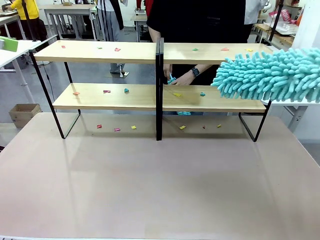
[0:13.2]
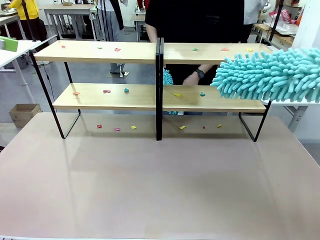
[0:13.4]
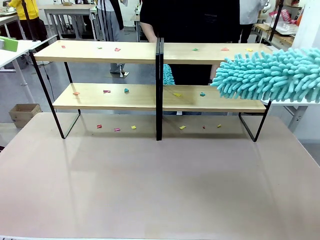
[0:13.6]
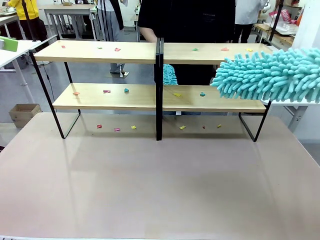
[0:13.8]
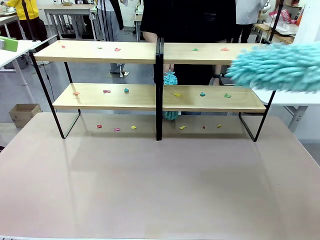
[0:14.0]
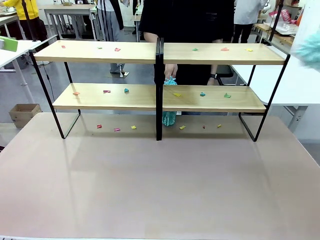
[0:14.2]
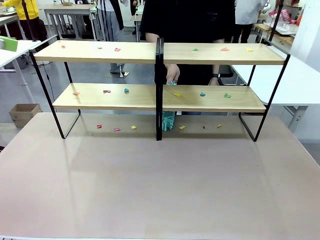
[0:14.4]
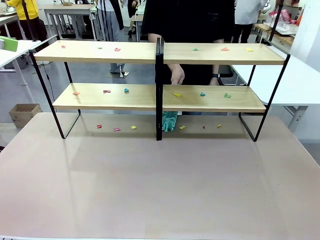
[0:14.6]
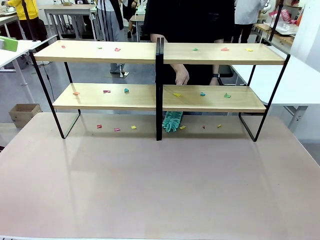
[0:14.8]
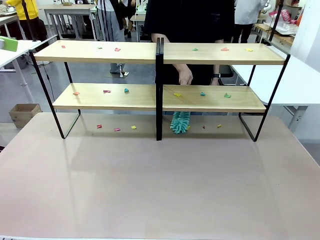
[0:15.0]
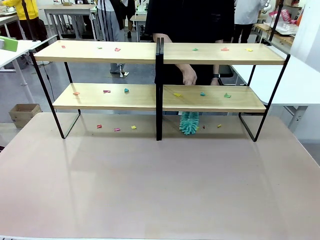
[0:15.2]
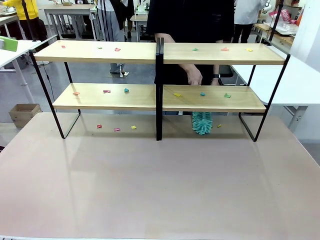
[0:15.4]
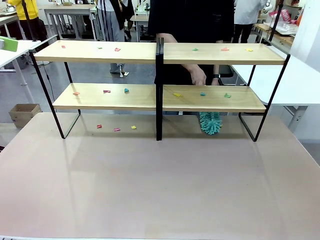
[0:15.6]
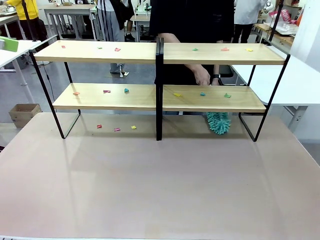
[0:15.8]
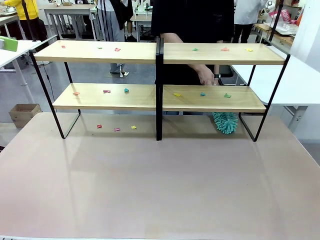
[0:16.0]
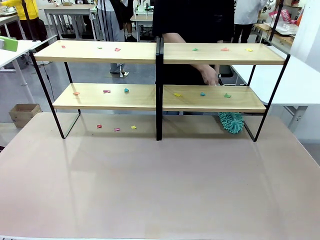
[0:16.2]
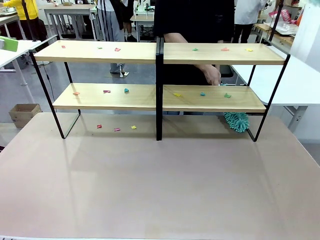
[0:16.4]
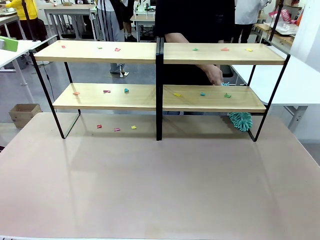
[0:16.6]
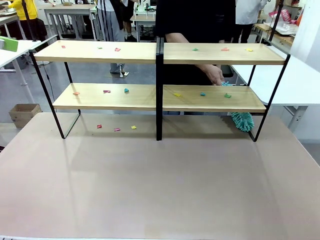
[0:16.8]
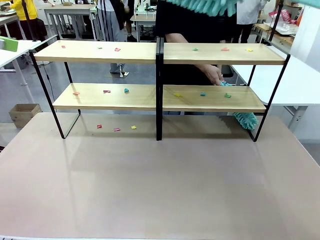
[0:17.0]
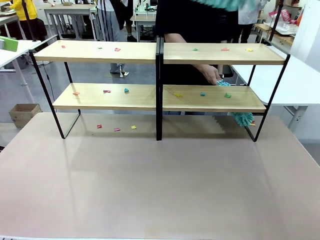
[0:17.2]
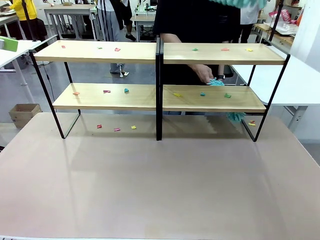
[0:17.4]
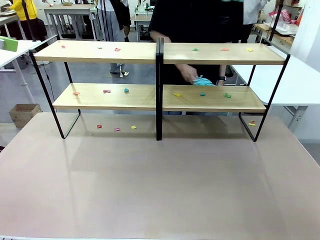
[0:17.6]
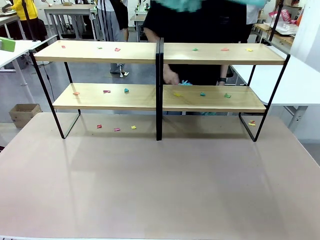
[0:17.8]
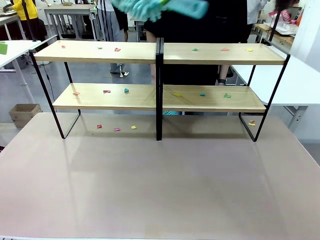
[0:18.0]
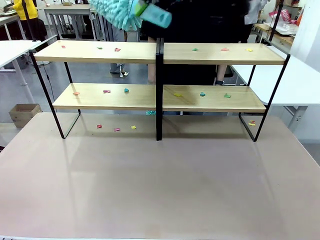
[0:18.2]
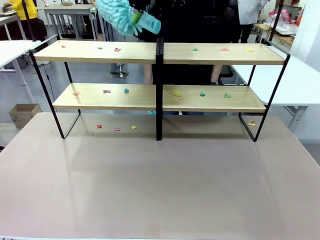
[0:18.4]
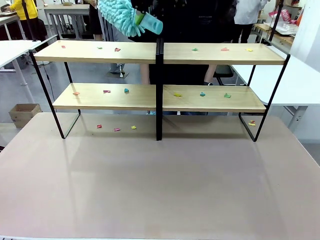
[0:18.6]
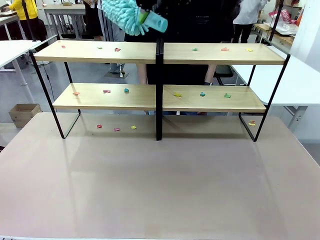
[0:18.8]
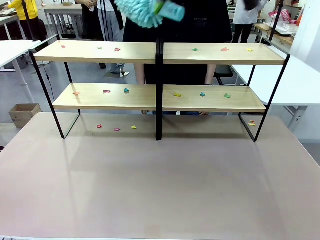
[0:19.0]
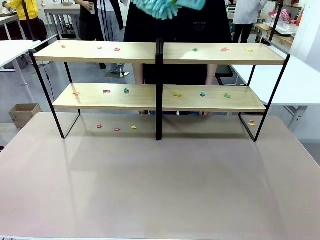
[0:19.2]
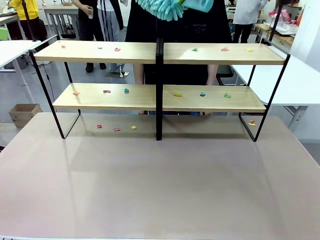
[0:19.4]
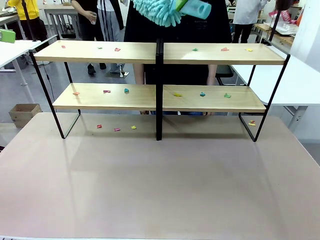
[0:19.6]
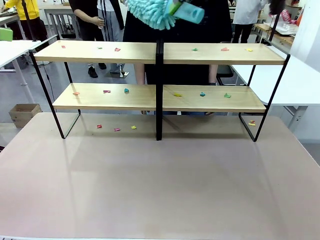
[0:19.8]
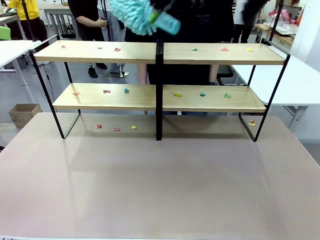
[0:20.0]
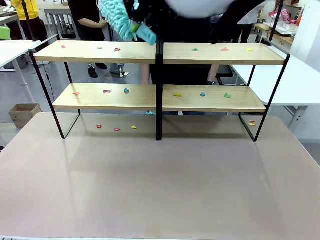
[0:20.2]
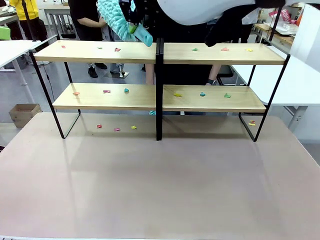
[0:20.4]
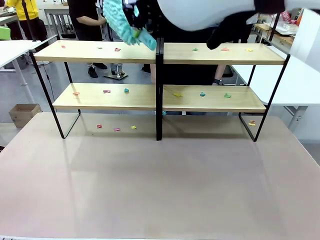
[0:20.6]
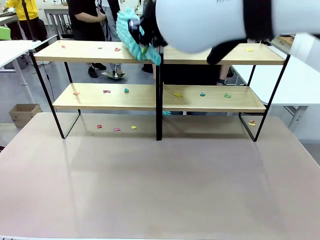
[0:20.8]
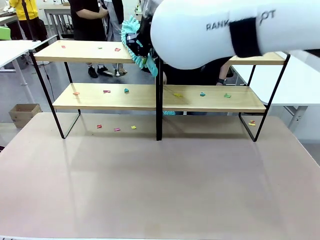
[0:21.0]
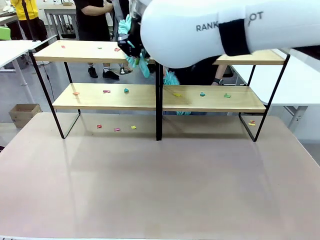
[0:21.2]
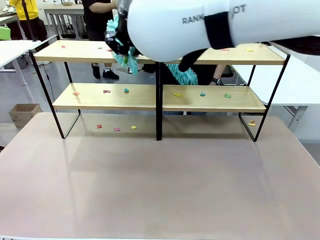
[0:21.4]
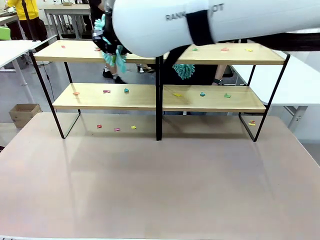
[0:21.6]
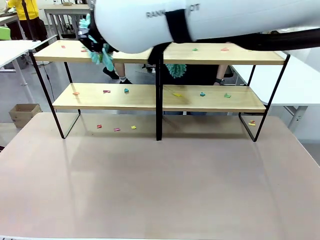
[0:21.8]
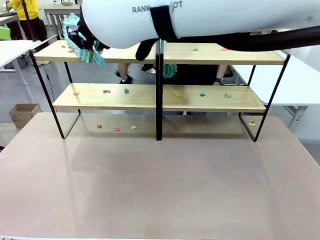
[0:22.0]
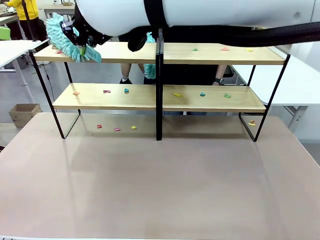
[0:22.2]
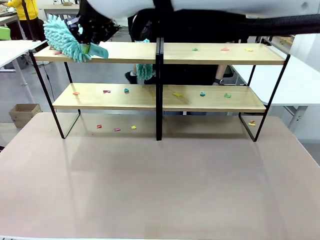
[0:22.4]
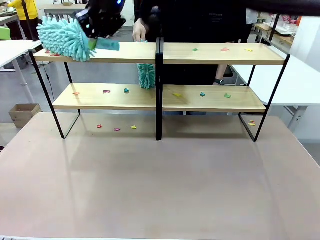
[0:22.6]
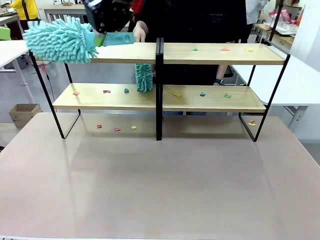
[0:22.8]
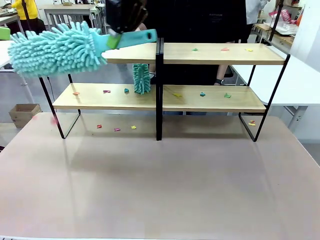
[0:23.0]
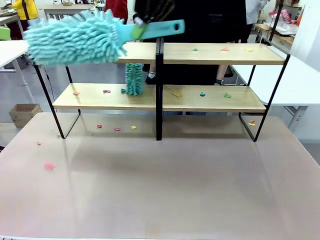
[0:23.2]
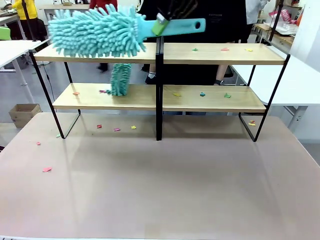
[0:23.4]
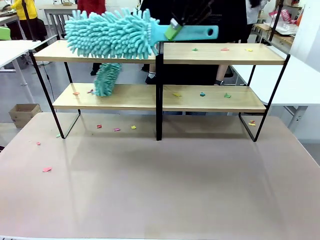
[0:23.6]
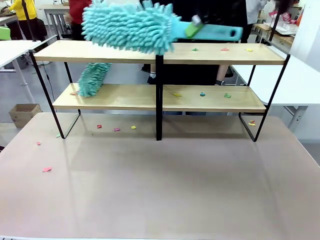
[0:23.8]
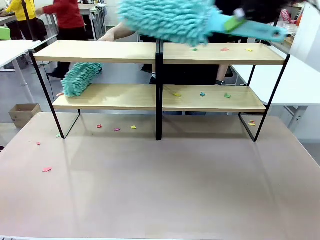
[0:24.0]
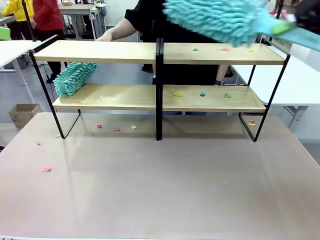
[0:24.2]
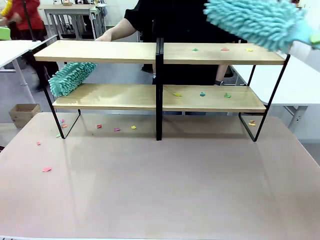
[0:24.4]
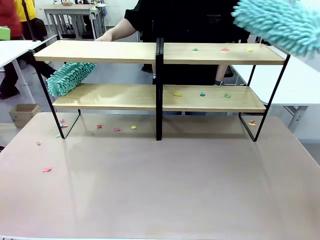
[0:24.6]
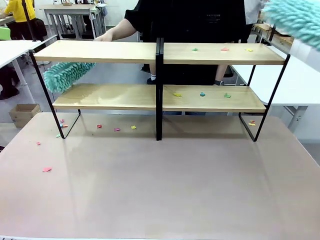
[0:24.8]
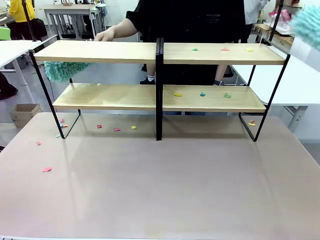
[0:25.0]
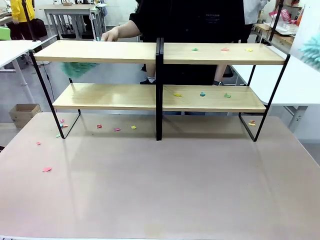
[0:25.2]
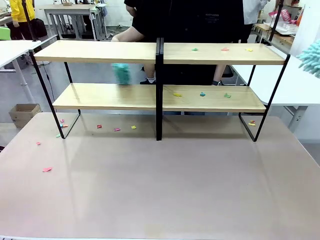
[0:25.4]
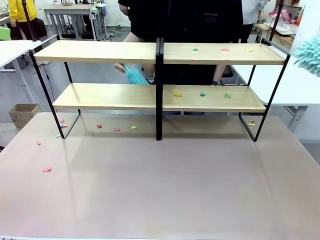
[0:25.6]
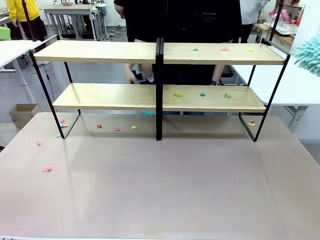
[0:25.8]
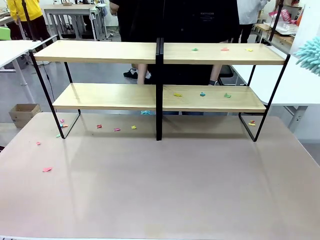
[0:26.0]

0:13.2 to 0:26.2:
Task: Clean the shelves.
Robot: Clean a randomly selected level of the Shelf with the Duster.

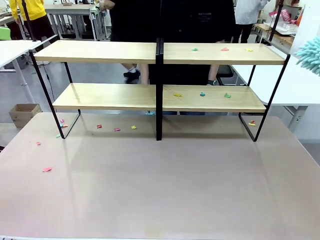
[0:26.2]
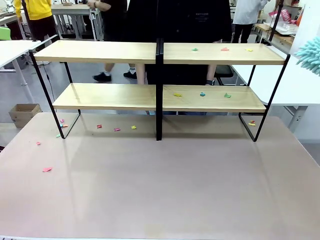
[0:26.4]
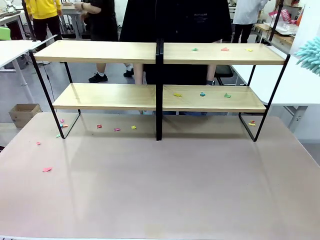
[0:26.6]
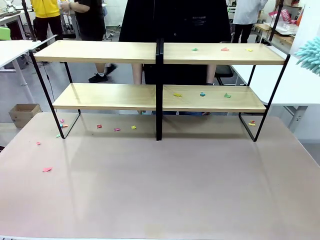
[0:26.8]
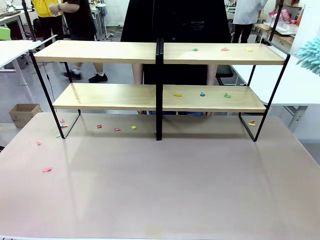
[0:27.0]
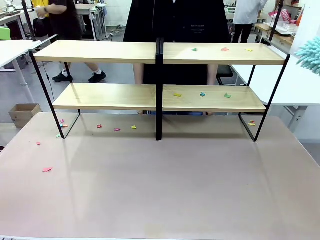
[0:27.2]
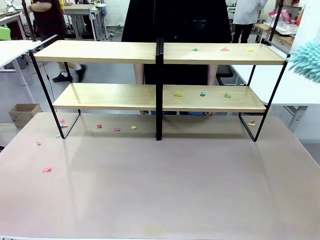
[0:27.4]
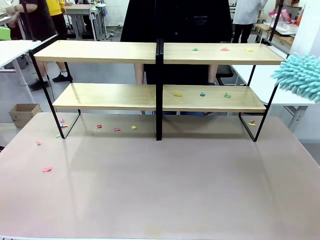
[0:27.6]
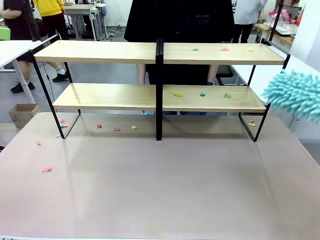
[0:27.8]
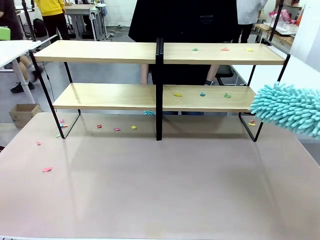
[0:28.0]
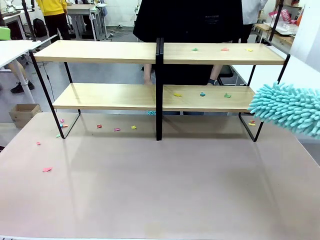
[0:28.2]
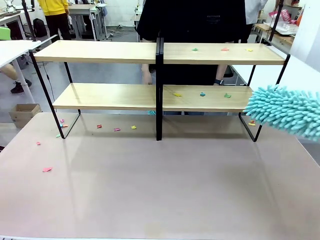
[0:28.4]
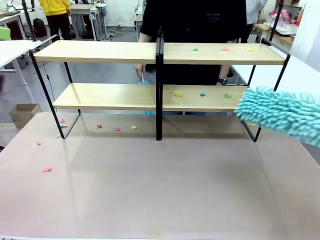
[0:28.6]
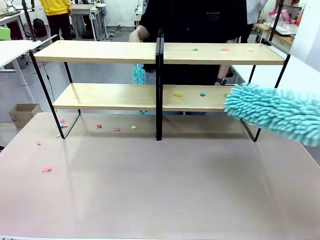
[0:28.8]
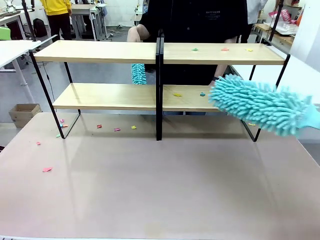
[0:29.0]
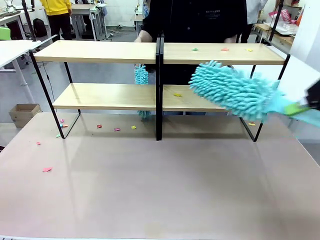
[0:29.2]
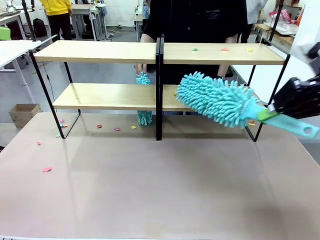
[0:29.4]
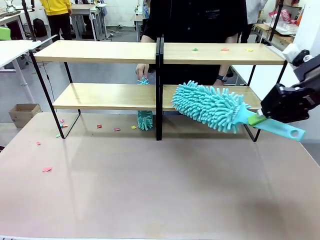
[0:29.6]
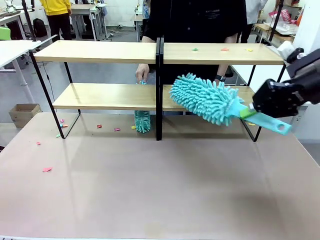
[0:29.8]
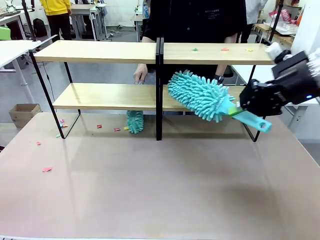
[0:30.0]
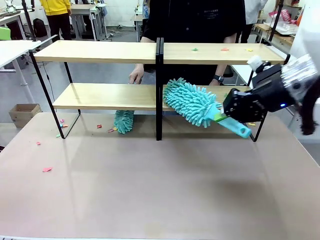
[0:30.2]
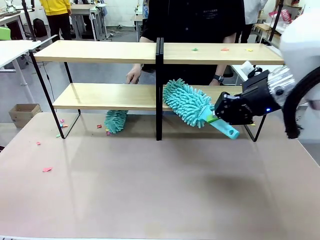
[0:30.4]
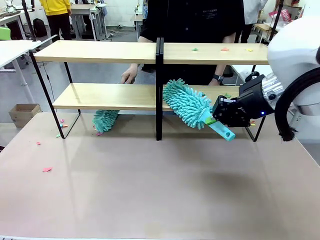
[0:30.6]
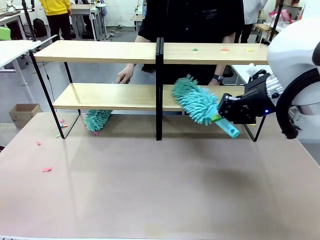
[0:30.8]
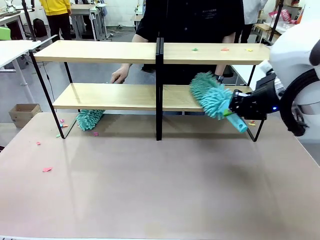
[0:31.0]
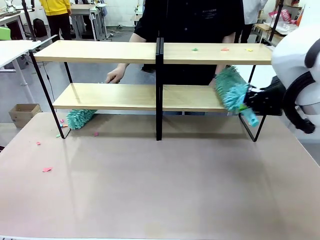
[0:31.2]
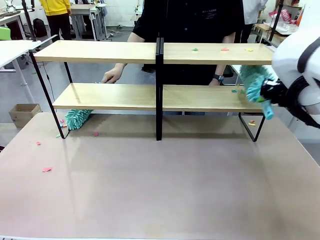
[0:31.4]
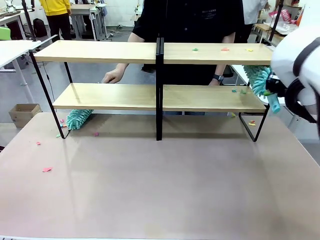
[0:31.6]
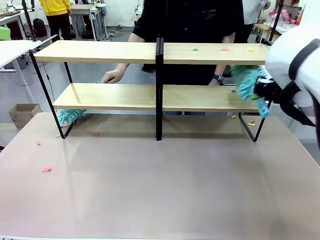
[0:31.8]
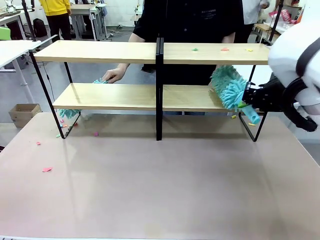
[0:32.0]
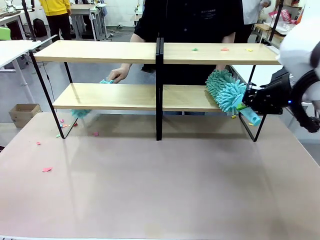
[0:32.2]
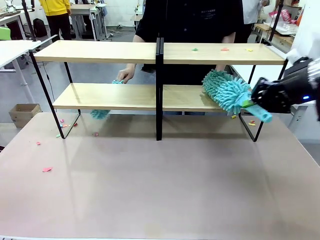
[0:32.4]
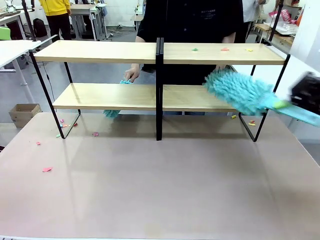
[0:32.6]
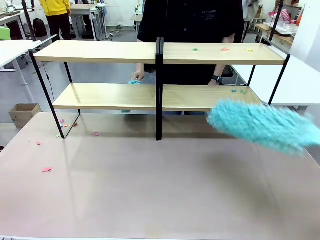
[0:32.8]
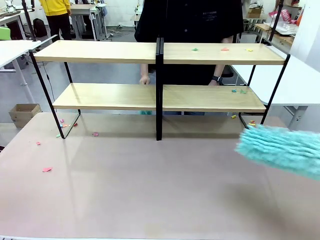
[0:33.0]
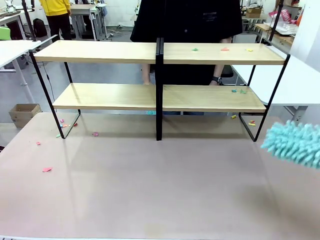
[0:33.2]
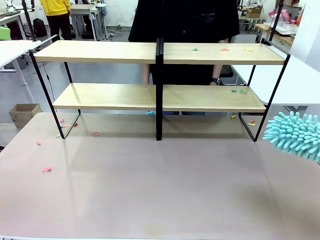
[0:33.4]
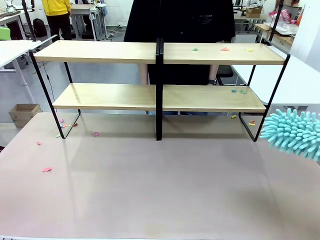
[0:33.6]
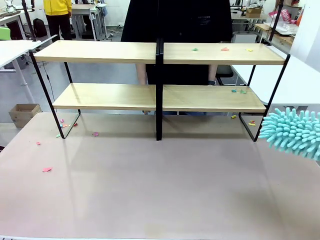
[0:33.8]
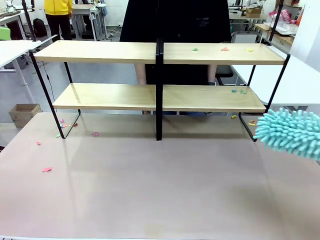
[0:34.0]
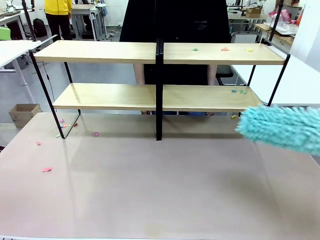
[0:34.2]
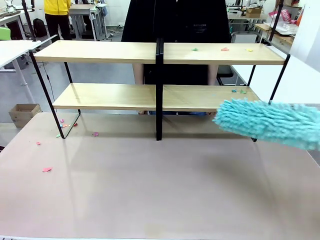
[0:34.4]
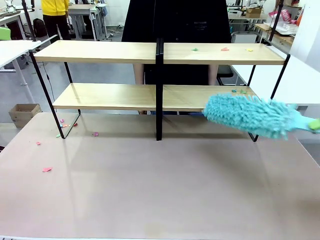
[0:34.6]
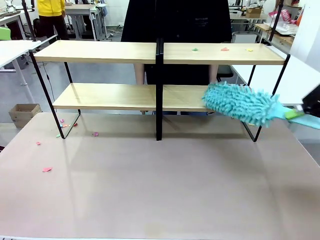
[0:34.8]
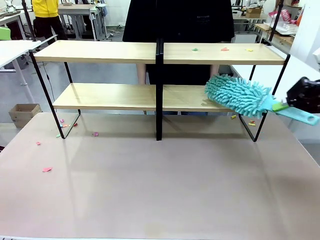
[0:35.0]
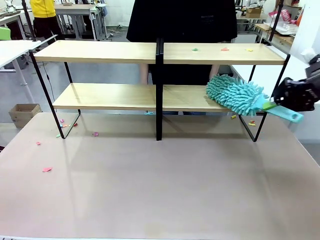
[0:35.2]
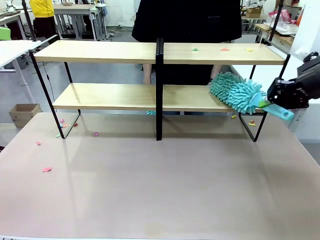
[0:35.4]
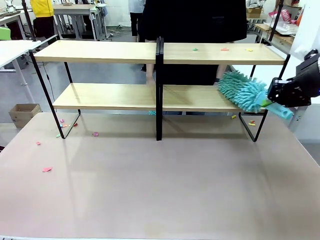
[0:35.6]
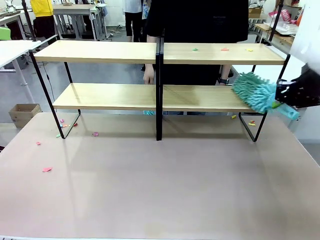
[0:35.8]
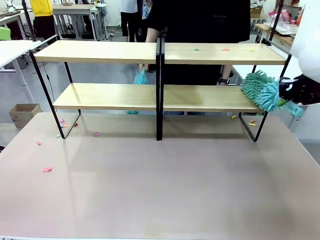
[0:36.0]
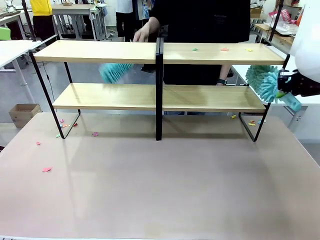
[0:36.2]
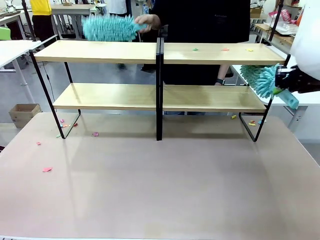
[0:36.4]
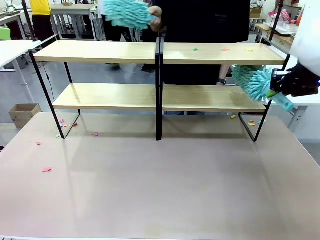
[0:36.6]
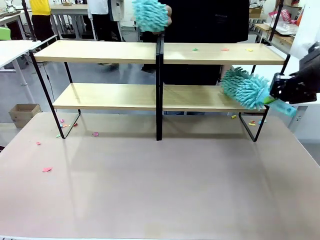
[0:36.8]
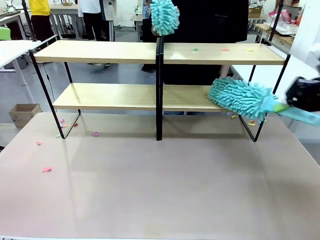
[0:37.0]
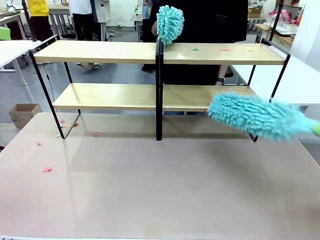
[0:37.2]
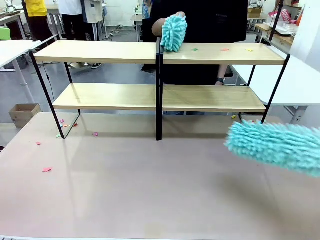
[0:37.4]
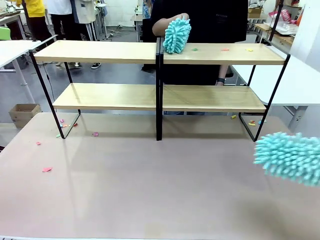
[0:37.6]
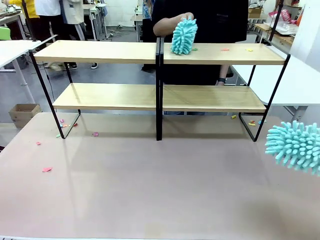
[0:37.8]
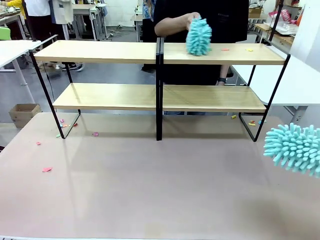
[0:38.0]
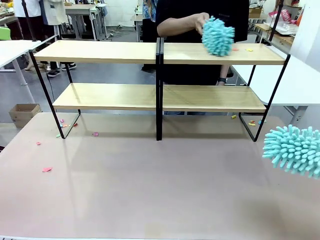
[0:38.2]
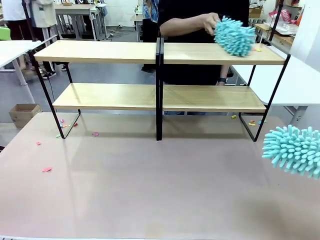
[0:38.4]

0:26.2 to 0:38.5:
Robot: Clean another randomly selected level of the Shelf with the Duster.
